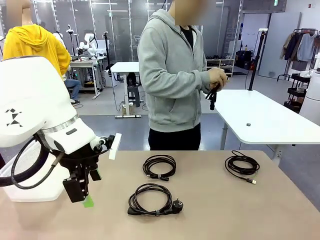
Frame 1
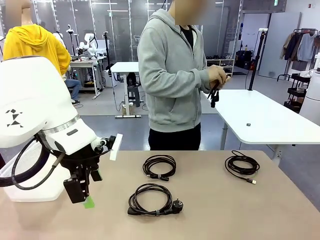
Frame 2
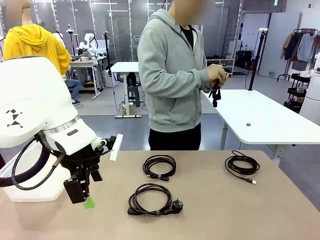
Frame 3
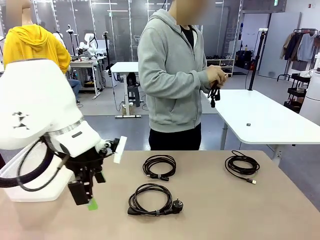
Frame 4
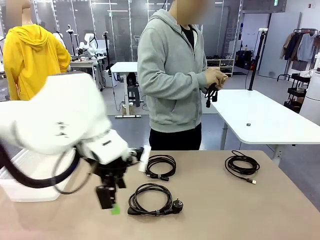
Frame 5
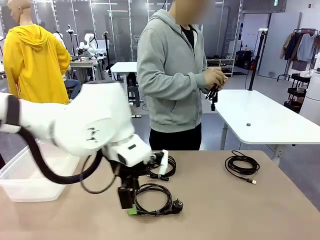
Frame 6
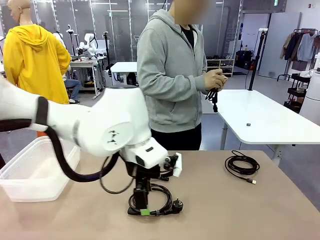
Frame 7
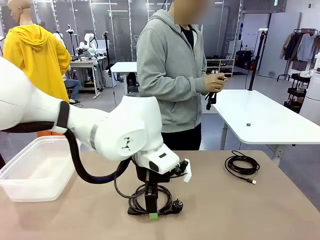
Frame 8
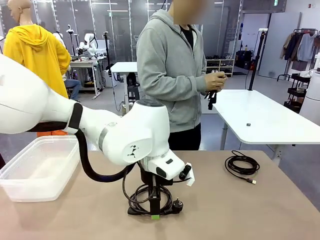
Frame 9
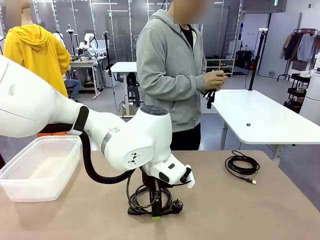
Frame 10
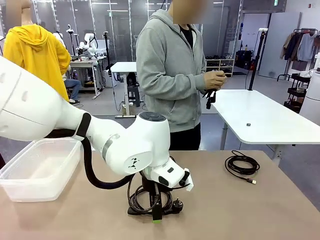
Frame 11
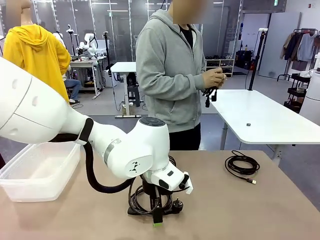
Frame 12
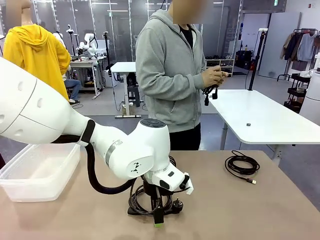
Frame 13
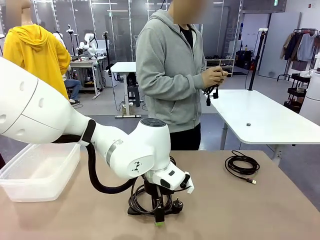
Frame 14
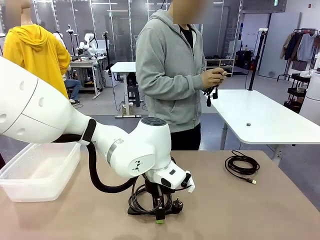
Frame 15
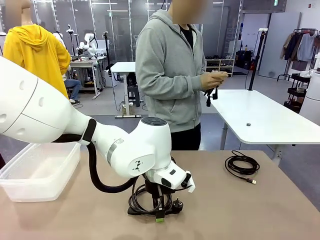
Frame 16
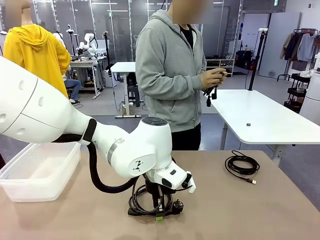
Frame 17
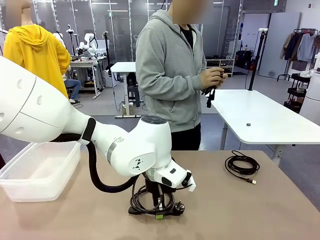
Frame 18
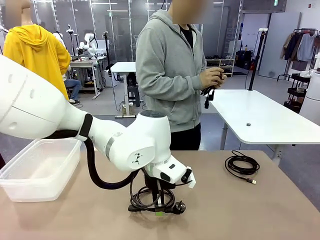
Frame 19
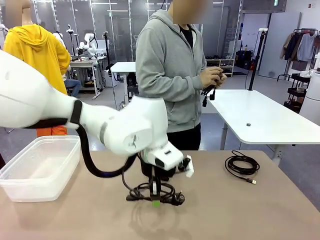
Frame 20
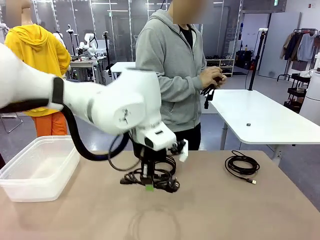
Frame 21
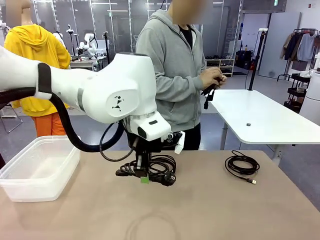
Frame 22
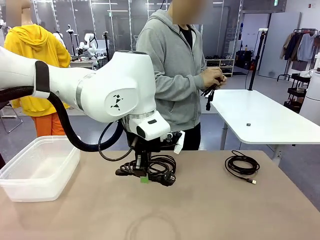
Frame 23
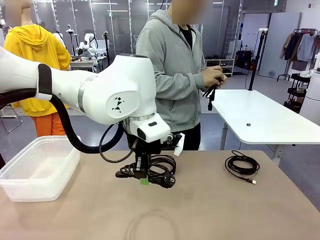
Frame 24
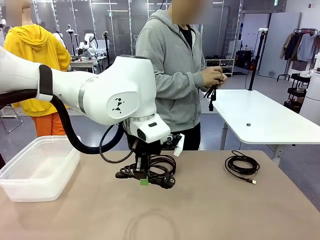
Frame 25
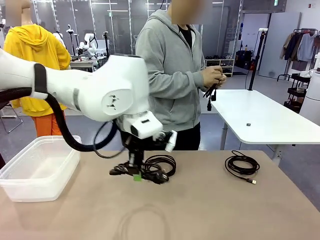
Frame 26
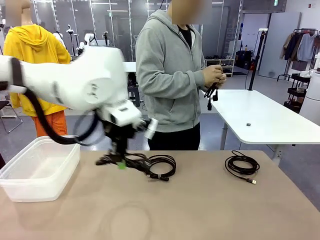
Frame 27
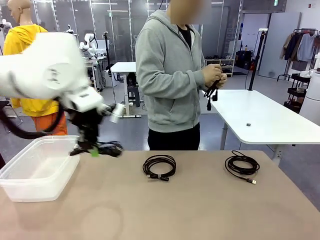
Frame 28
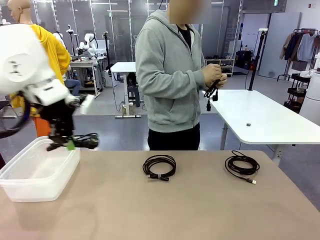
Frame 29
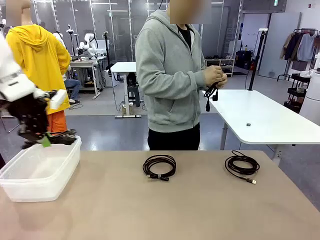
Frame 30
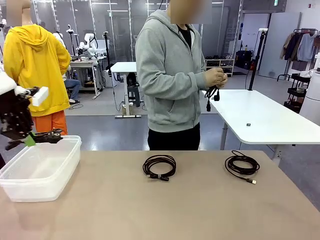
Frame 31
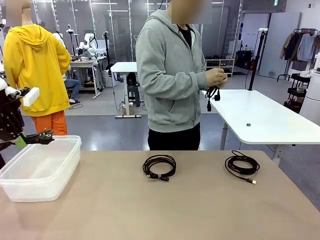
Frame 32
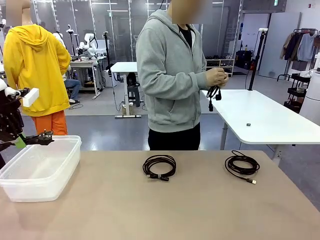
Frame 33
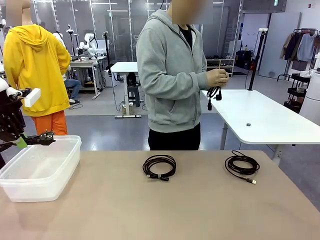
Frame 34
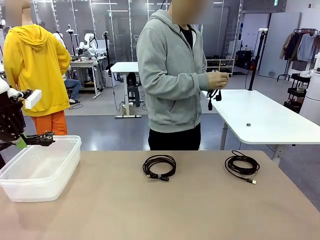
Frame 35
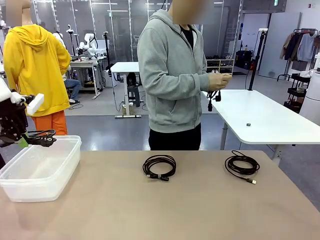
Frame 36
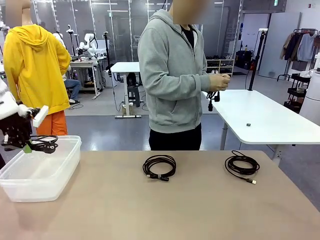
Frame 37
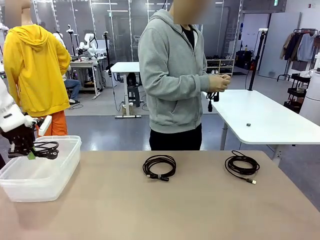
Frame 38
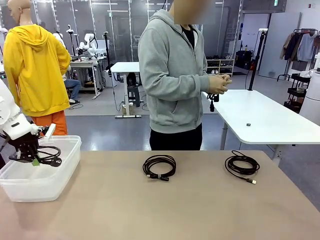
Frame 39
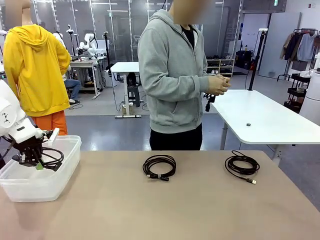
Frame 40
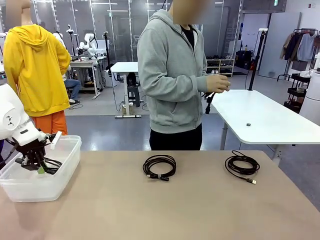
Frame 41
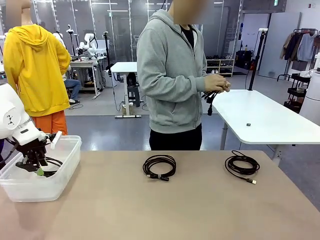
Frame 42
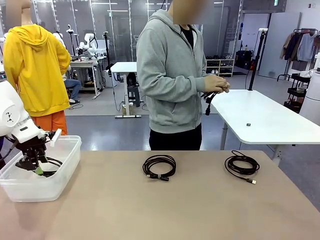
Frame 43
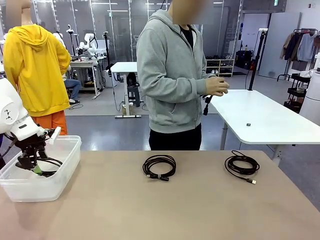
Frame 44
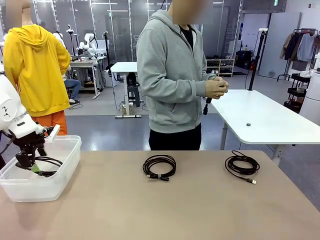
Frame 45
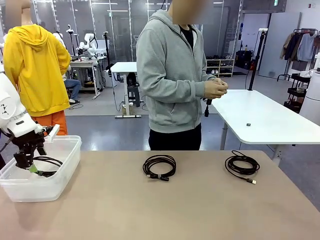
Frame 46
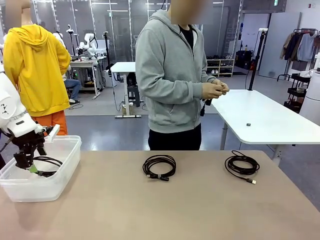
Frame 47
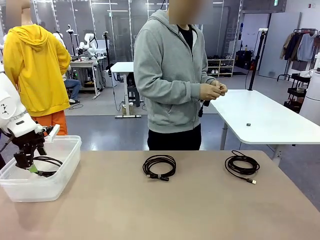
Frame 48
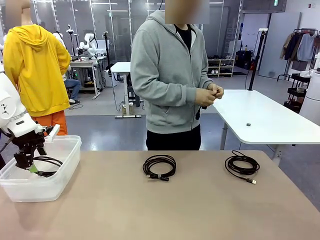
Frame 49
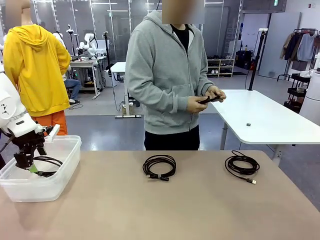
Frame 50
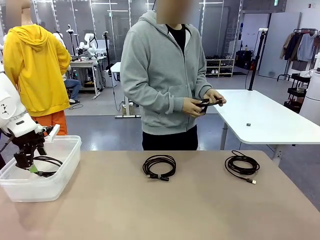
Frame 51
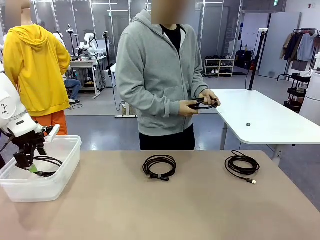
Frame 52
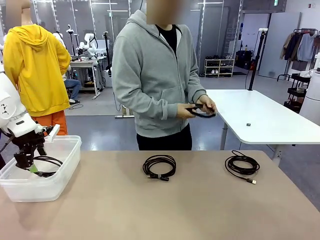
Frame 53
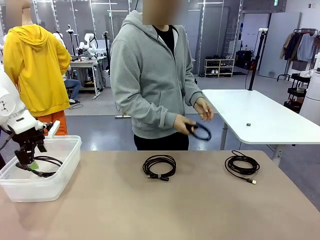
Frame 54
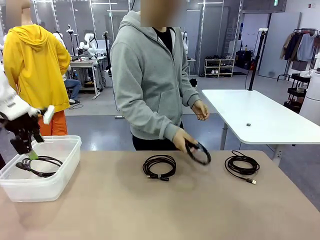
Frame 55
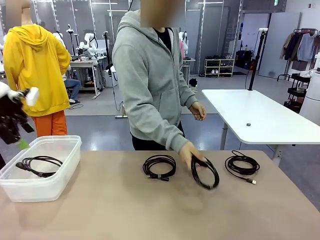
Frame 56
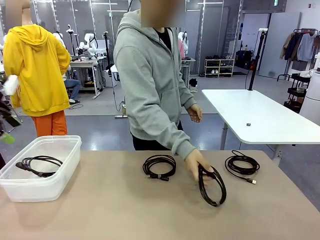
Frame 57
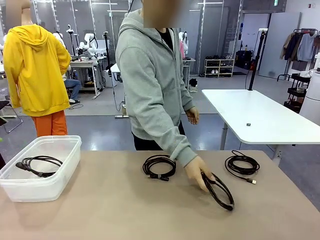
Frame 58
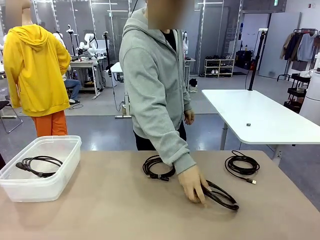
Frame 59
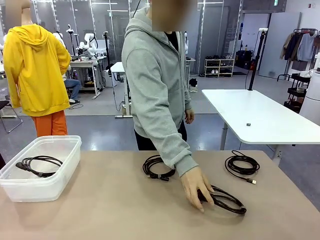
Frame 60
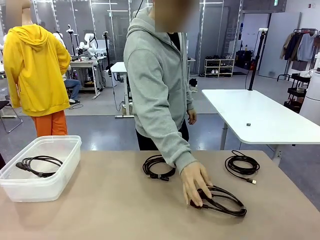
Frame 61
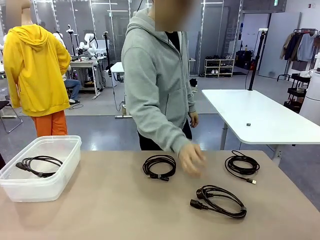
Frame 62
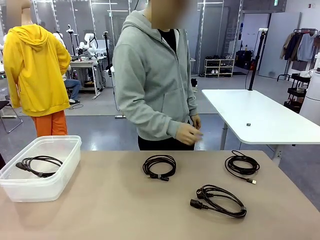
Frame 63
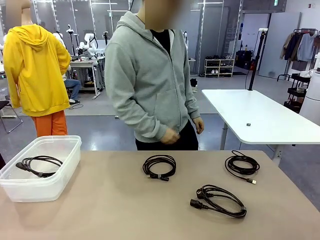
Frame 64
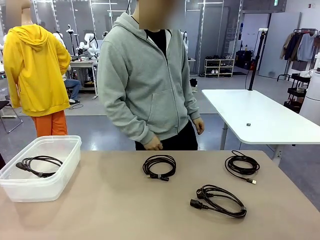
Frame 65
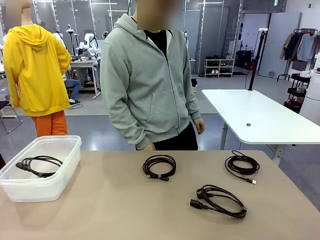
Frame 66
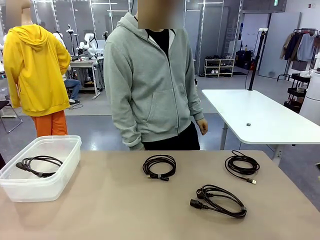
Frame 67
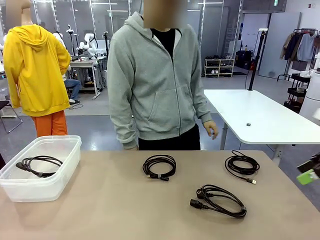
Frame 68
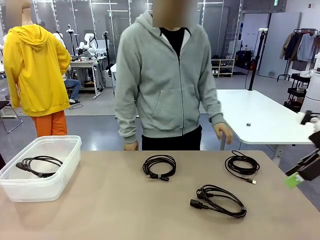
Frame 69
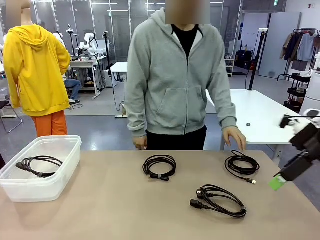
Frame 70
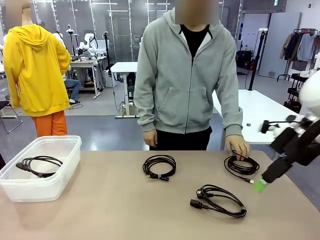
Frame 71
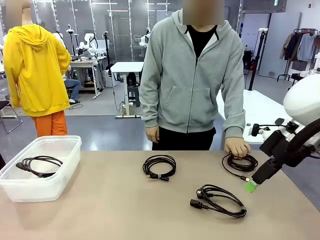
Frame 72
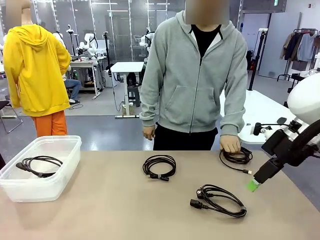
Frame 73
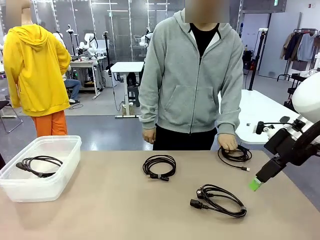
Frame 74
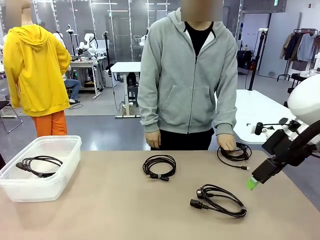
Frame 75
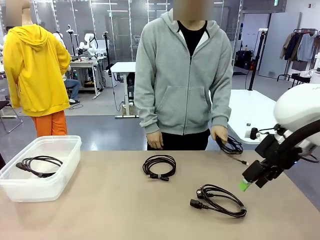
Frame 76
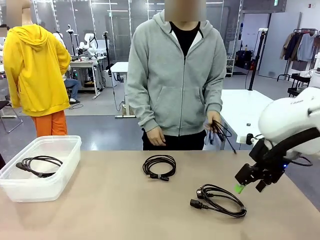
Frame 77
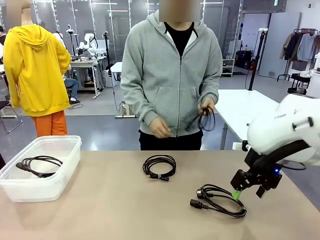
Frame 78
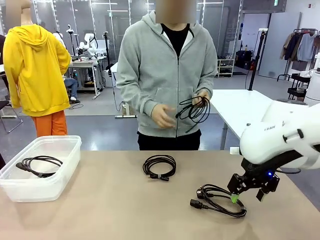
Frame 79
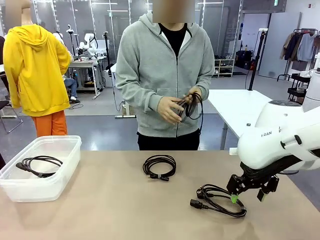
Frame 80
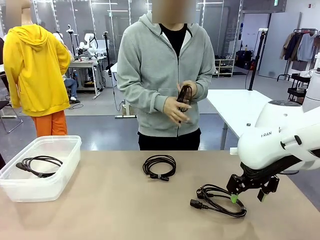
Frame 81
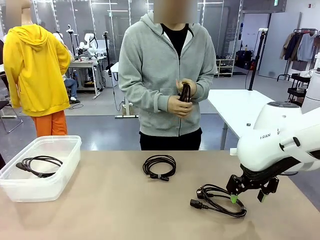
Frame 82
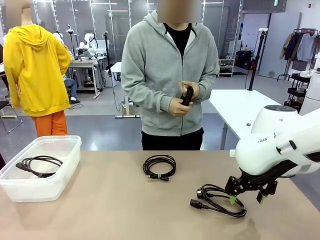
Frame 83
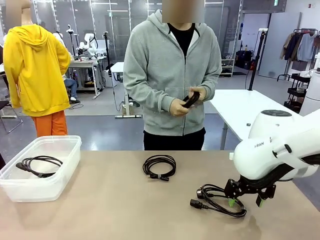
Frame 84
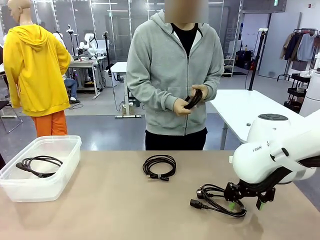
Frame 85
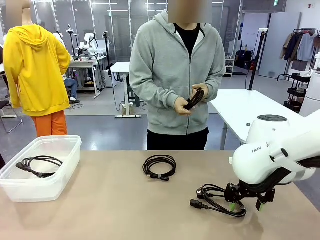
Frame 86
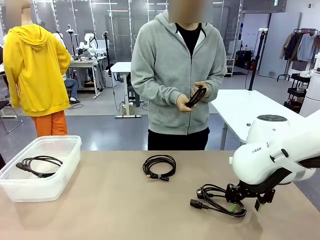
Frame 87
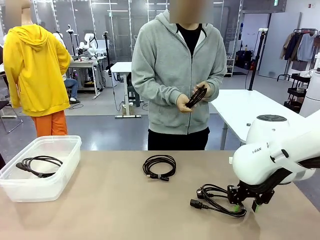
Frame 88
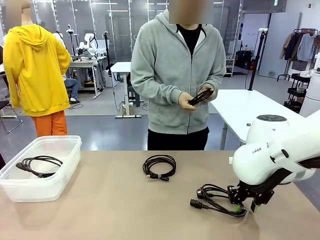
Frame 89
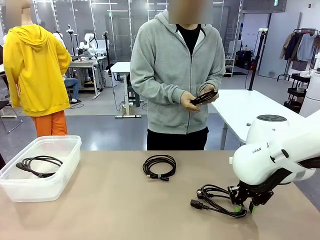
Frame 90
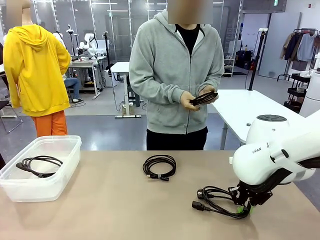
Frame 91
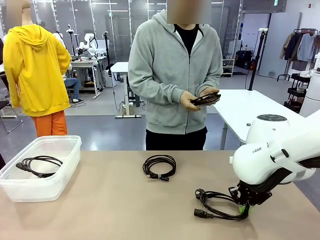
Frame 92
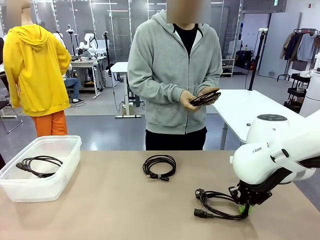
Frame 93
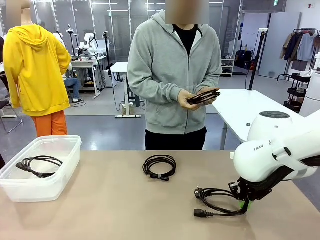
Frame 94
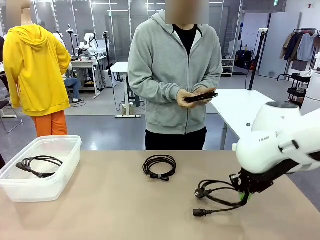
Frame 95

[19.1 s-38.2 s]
Task: Organize and store the cables.
Robot: Place the Power Cable into the Organizing box.
